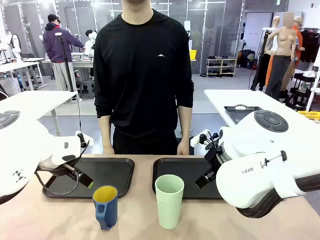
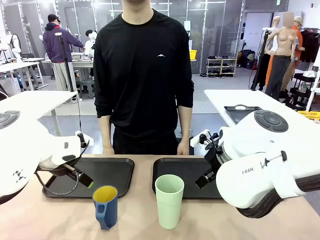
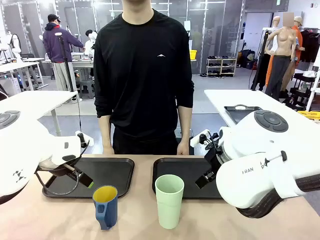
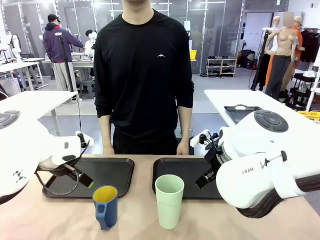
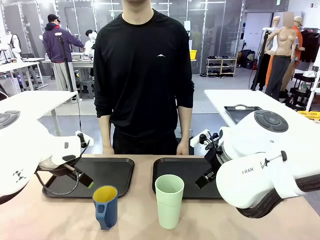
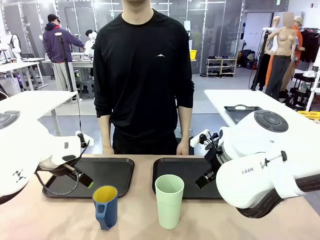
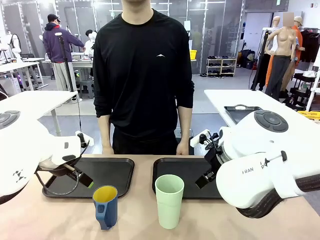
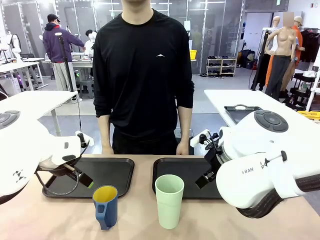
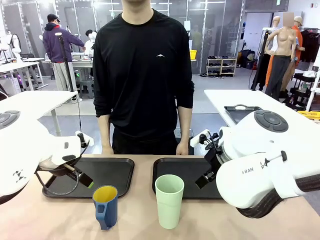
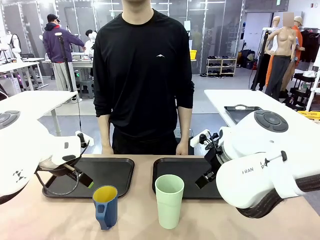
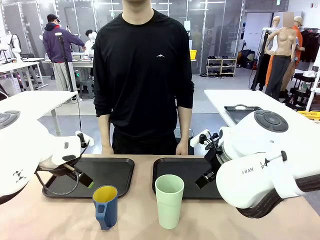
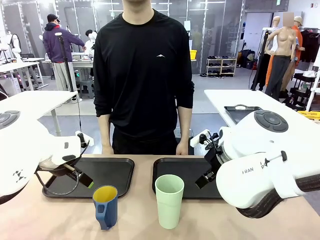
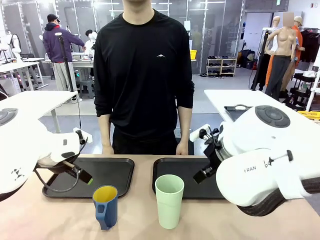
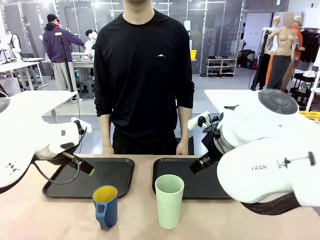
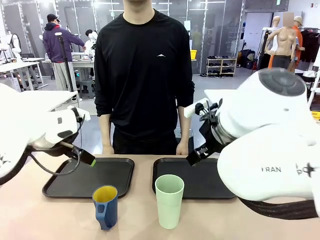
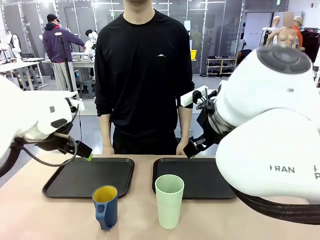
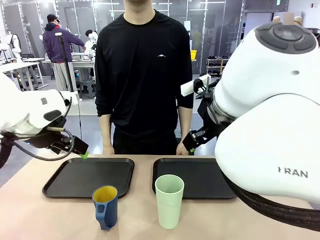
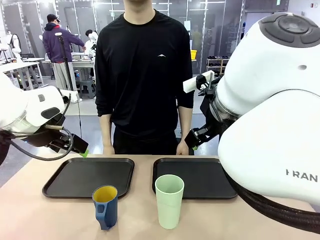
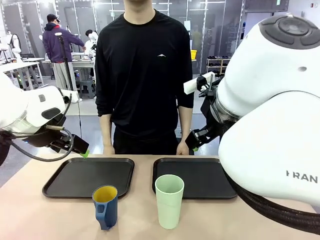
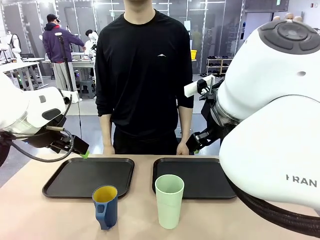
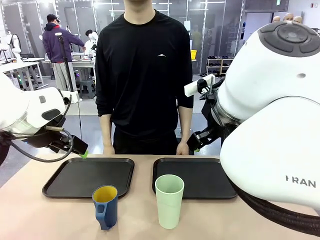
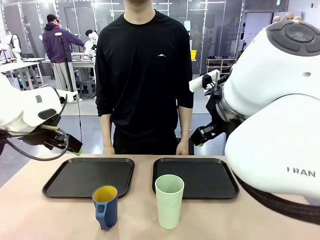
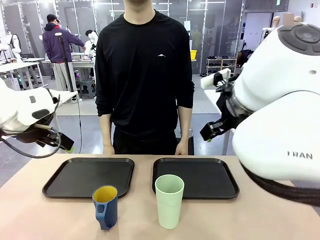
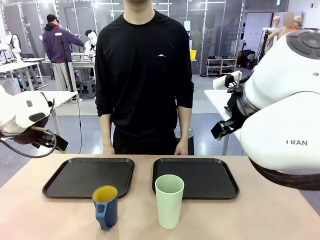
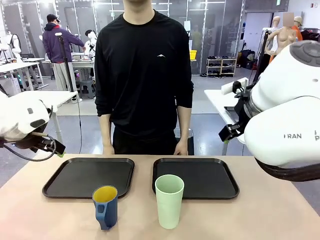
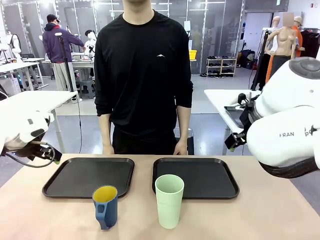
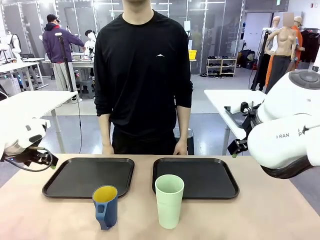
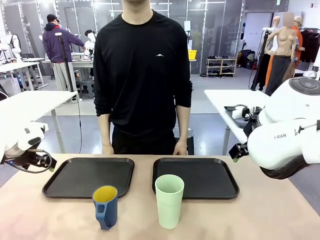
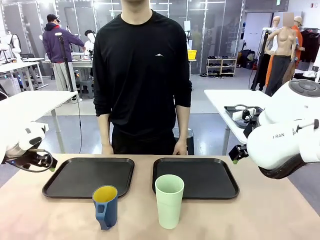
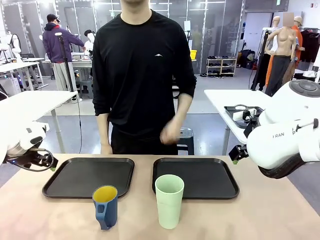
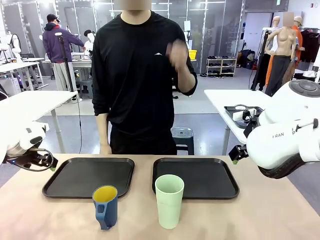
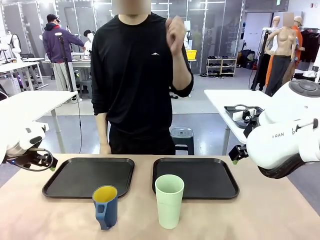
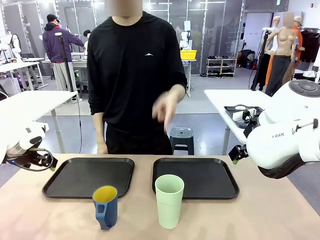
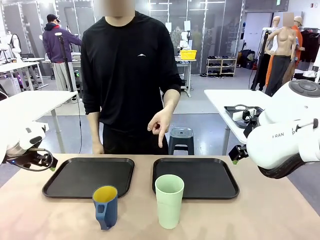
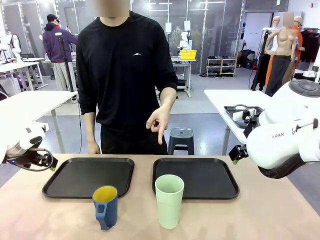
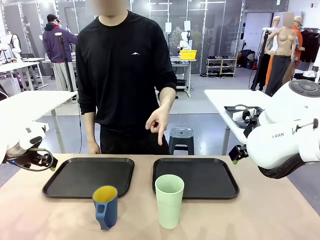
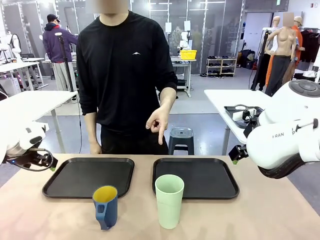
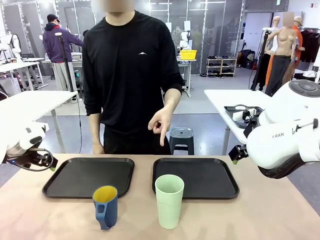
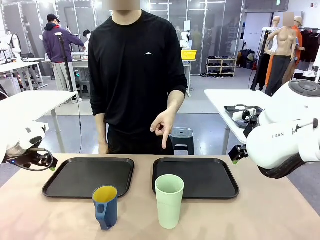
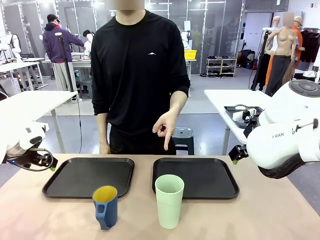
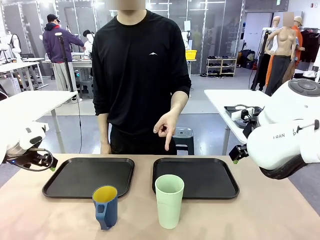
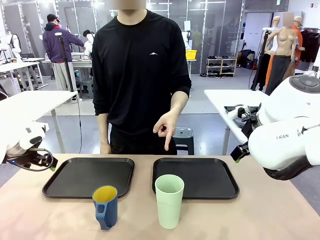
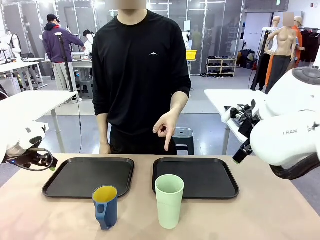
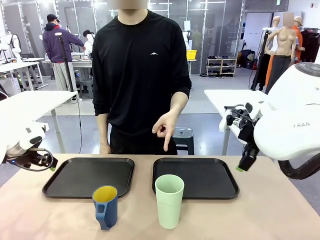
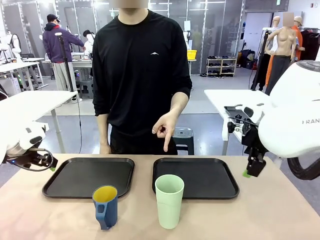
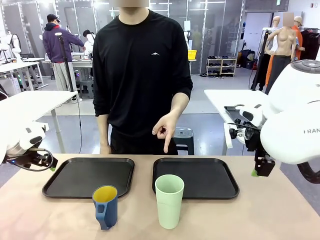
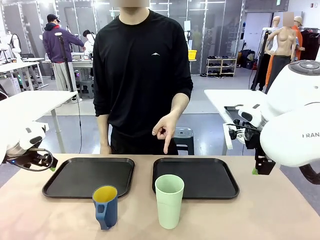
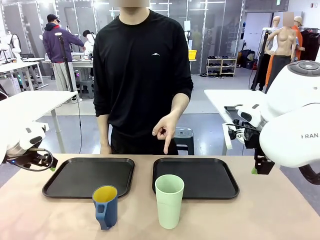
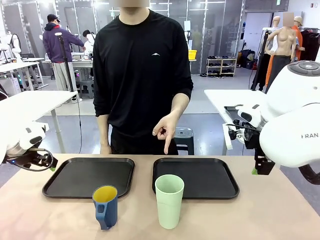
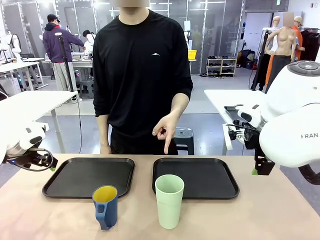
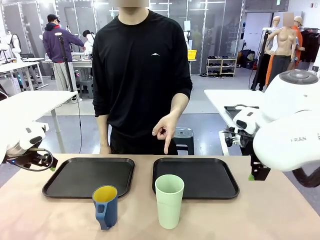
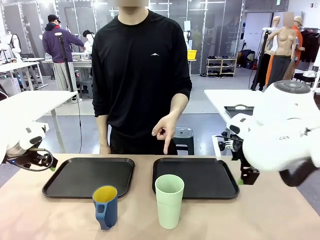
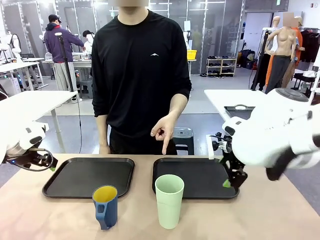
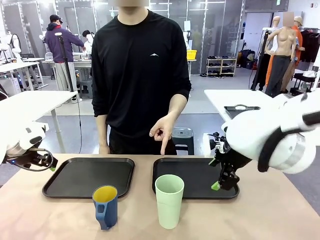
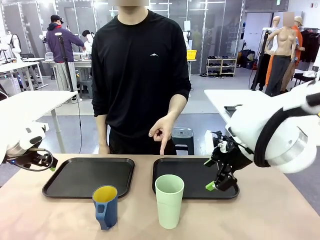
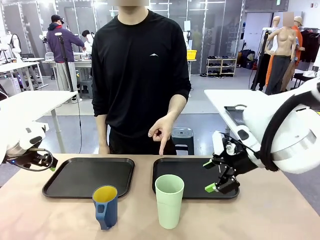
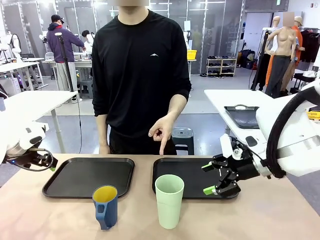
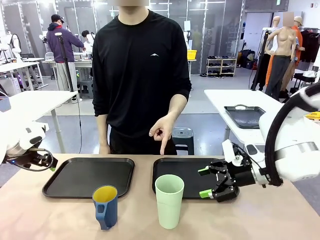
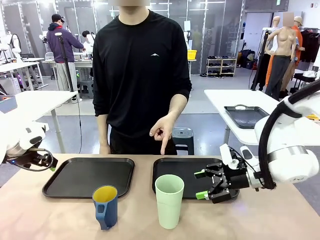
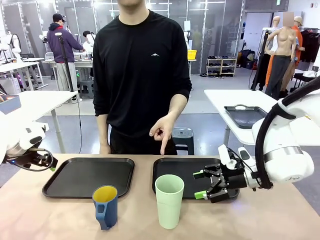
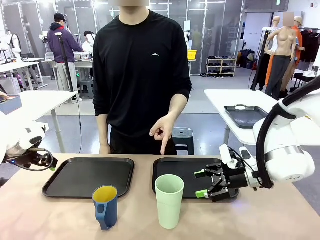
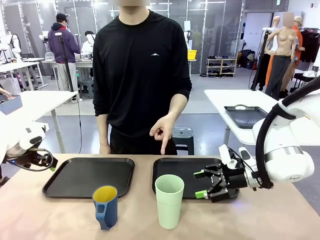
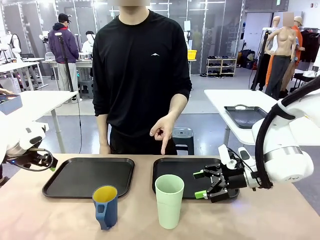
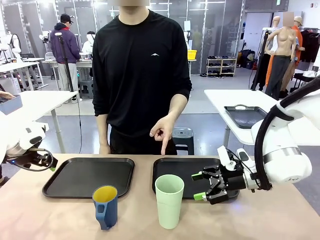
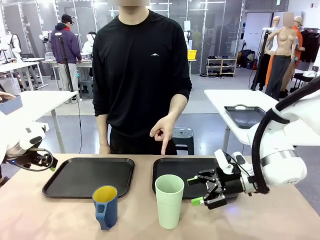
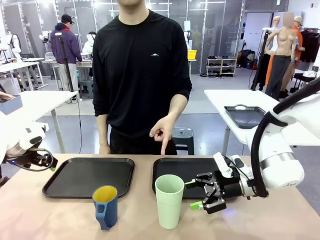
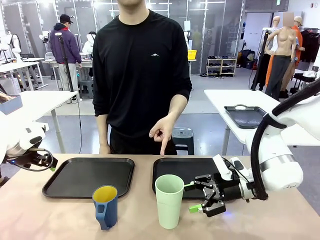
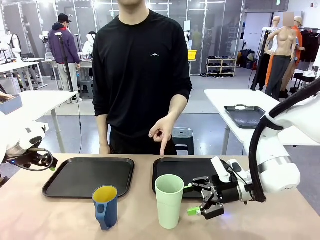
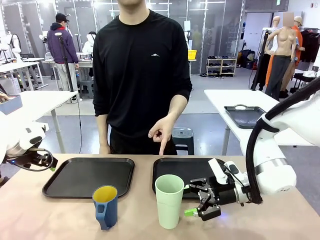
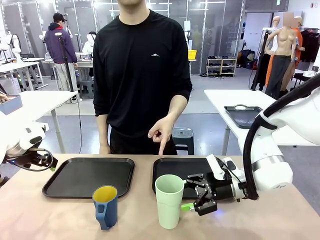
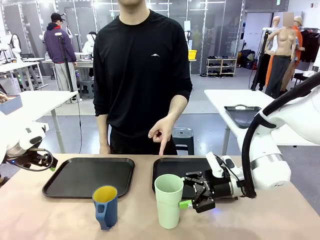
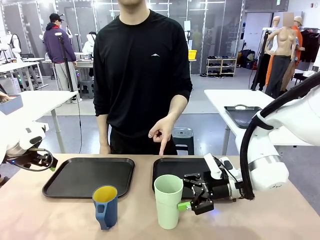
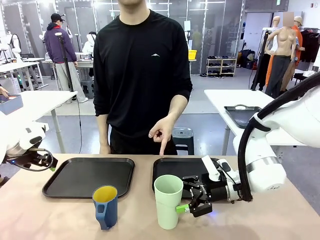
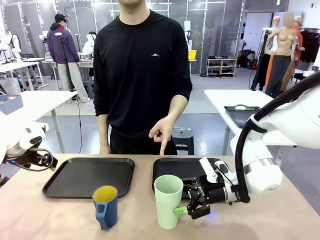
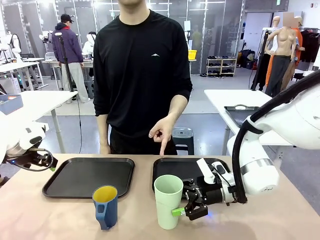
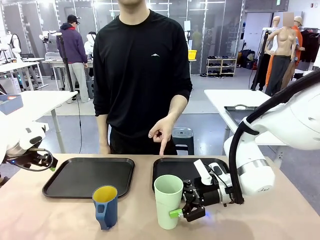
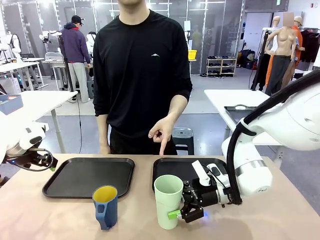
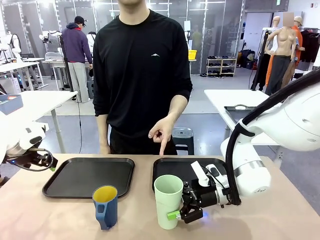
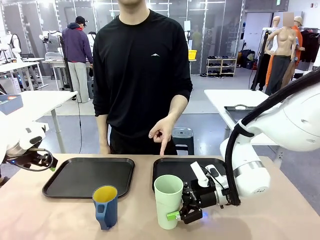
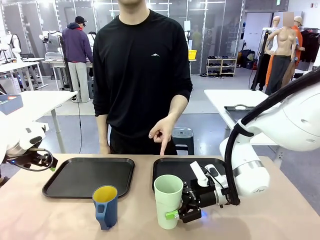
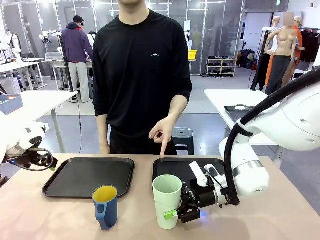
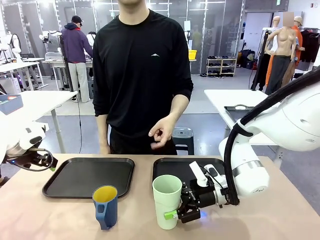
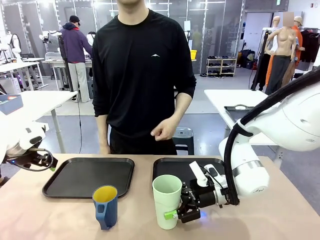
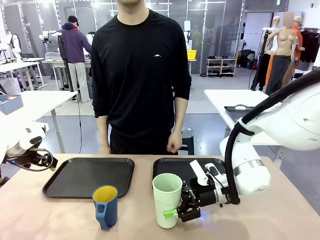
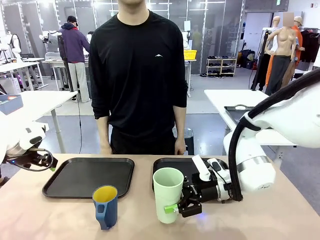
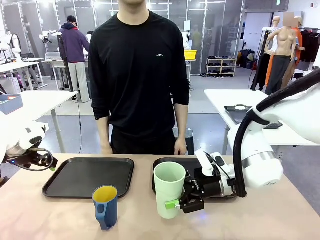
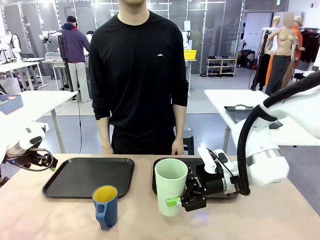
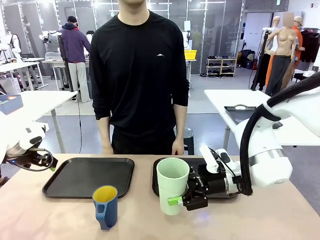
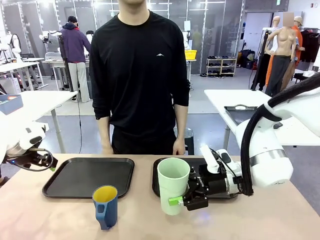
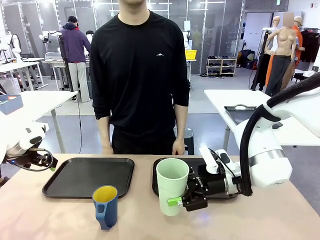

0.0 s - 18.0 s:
Task: Sort and store the cups by type.
Robot: Pick up the Reusable plastic cup.
Person: Points to the reusable cup. Point to one of the two trays.
